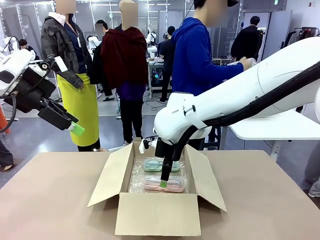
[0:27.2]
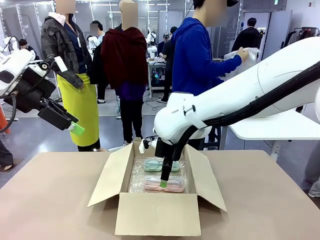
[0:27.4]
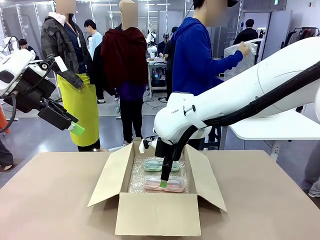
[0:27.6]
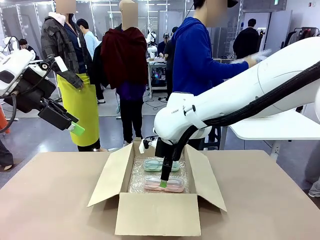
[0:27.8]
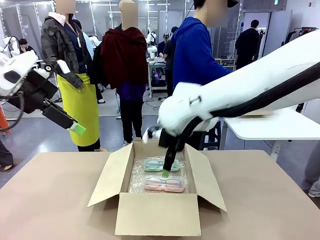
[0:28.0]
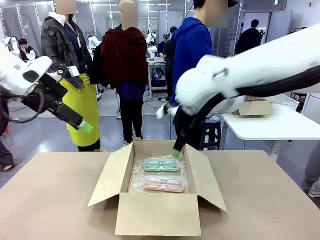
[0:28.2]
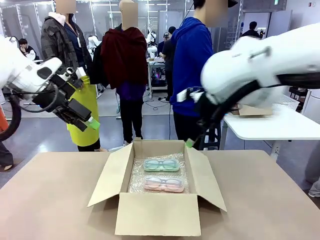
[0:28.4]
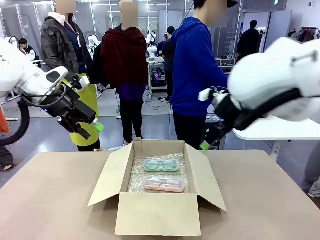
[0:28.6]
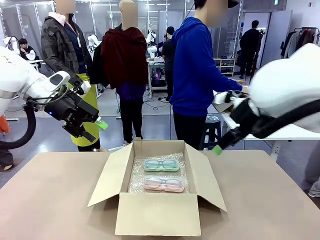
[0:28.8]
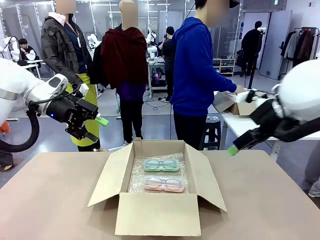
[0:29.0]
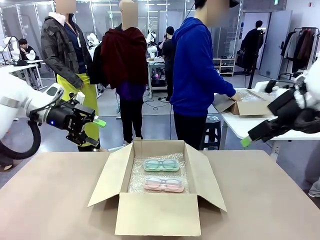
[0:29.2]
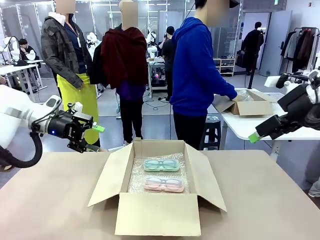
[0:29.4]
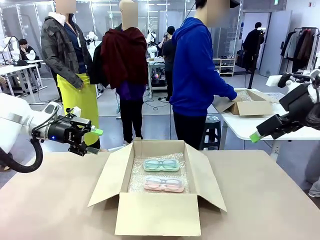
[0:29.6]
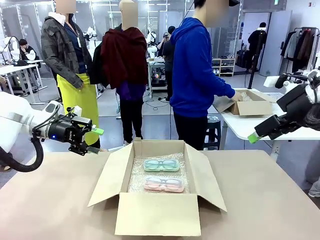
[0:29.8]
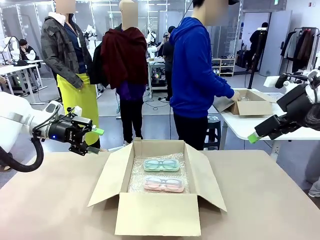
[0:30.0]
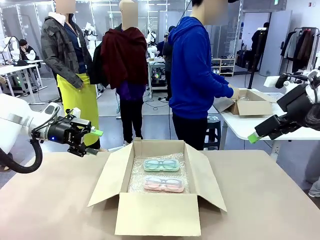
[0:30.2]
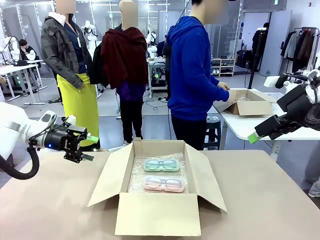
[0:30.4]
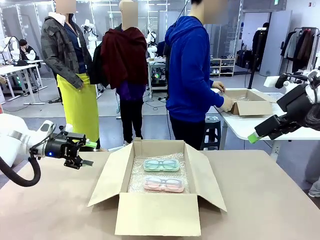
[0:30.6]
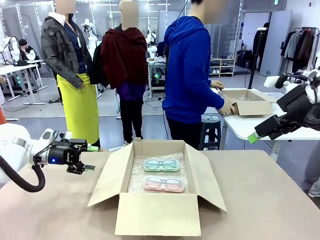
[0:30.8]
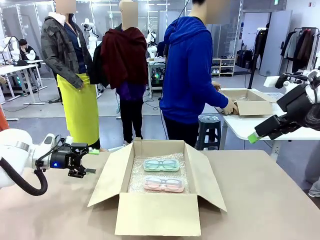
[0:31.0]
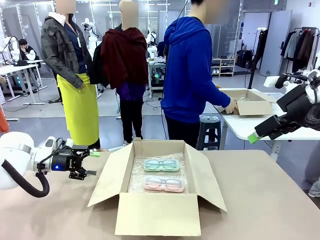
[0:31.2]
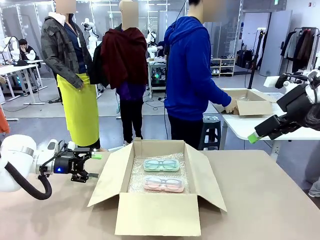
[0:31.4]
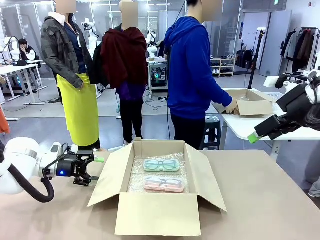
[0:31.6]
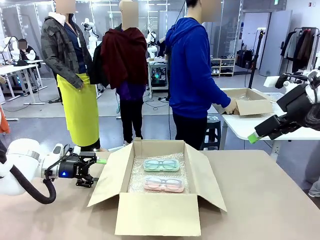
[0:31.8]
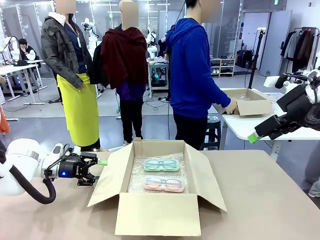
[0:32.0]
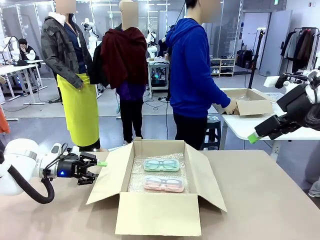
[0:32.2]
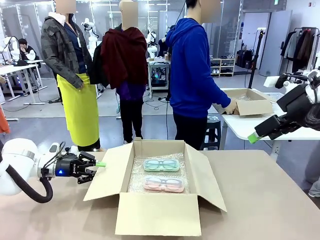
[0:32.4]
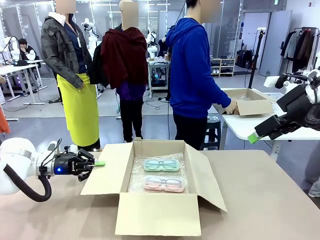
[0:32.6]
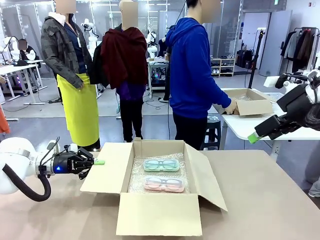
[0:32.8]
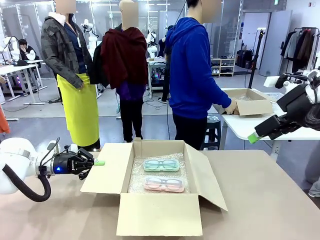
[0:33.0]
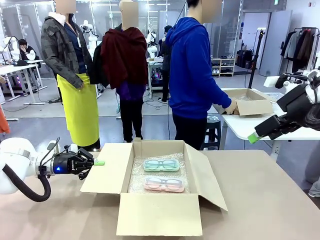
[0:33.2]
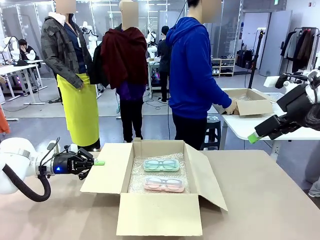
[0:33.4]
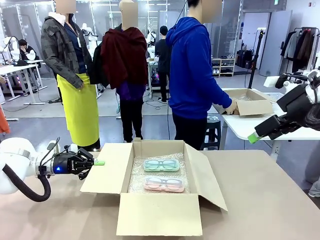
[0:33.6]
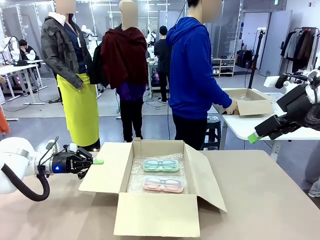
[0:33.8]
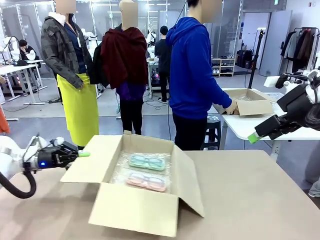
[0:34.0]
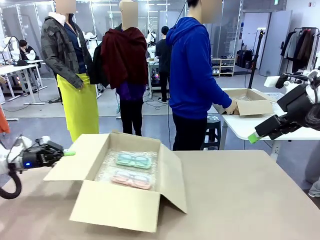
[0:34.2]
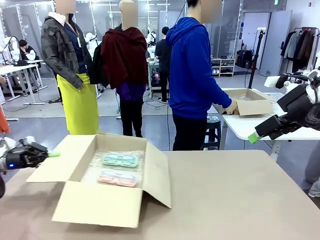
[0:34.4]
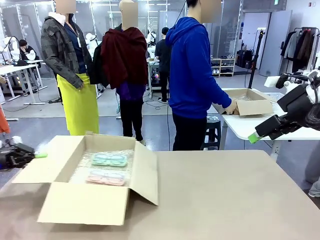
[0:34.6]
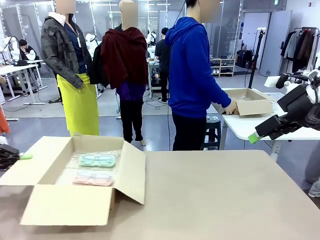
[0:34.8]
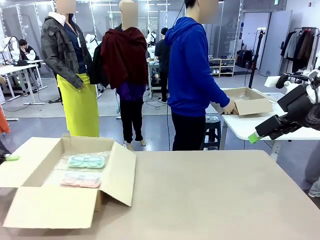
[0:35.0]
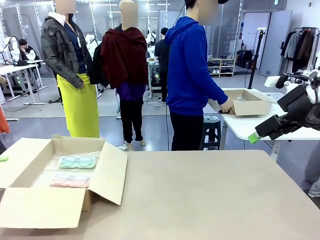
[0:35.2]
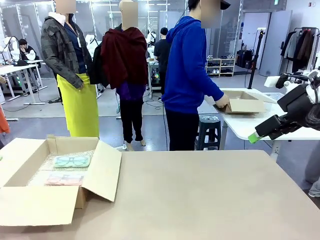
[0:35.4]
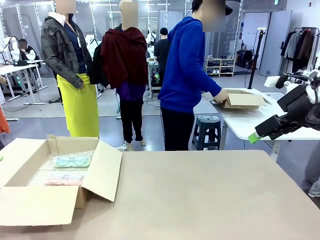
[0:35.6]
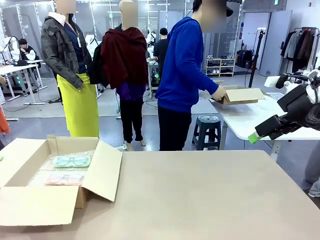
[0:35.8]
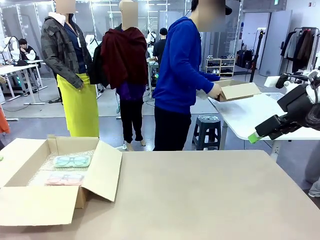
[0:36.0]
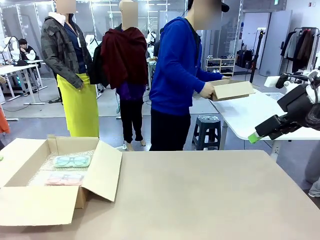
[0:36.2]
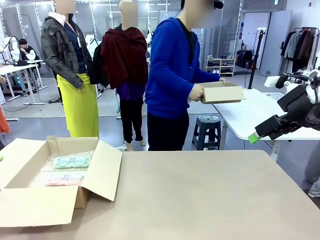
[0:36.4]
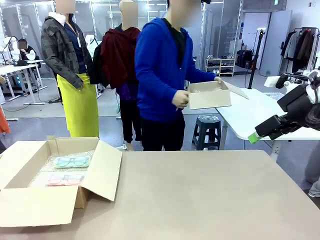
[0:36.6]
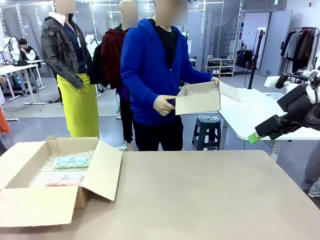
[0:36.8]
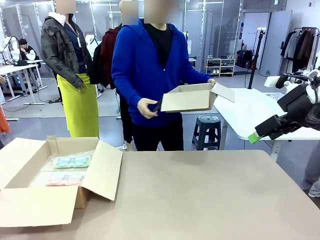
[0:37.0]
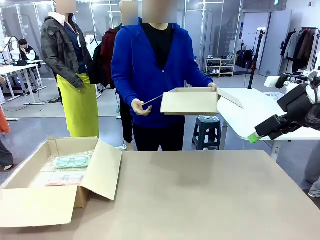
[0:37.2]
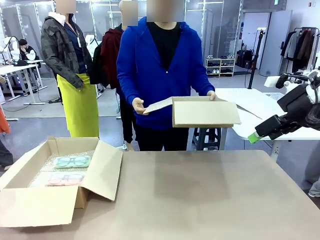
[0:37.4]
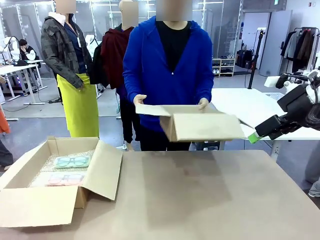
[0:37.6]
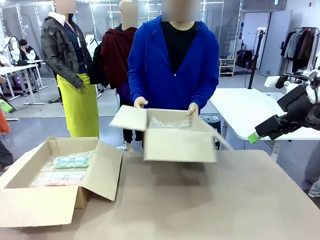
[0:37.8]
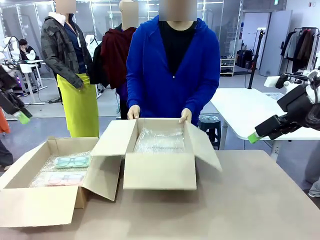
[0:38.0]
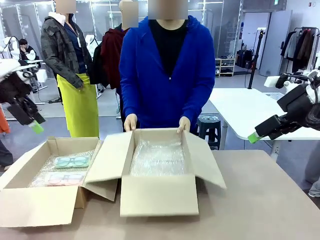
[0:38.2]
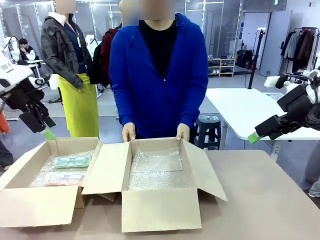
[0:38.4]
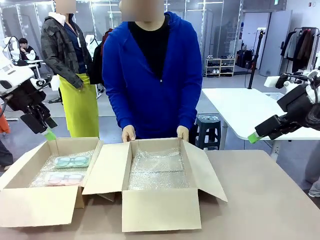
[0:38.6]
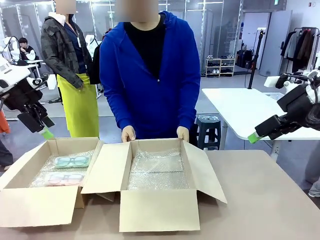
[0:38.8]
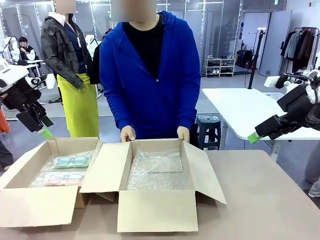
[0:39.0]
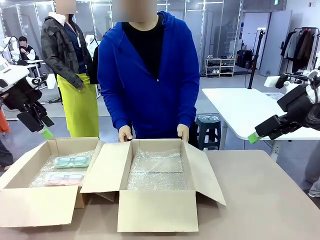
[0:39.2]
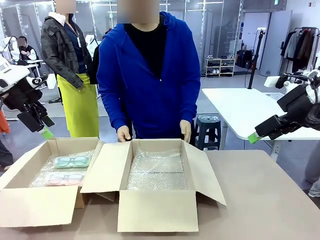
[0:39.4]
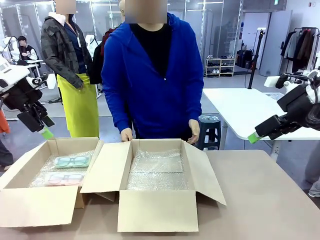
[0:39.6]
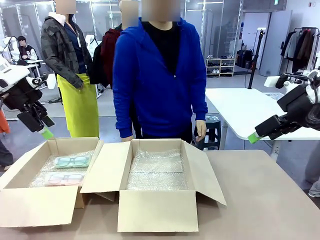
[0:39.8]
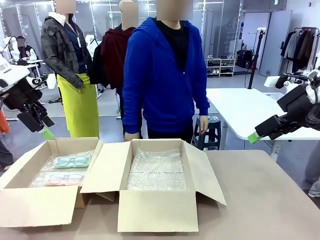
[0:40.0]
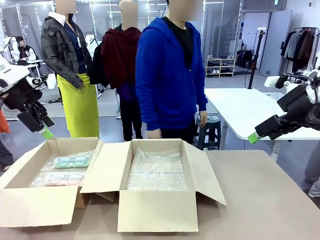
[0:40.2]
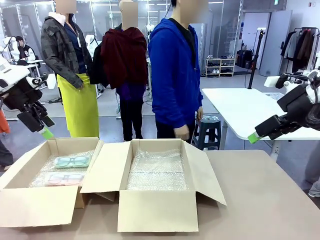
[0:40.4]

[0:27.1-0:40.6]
Task: Pack the glasses set securely to prepare it for shipping.
Robot: Position the Package Box on the left side of the table.
Person: Position the empty Package Box in the middle of the robot's table.
